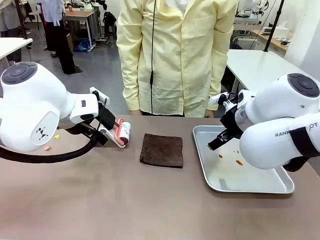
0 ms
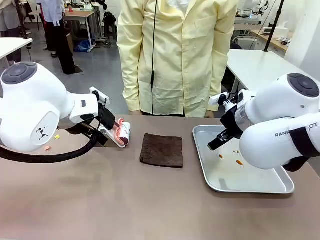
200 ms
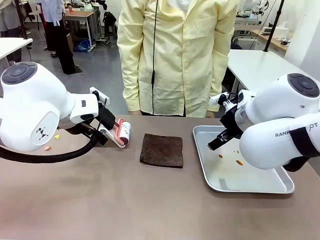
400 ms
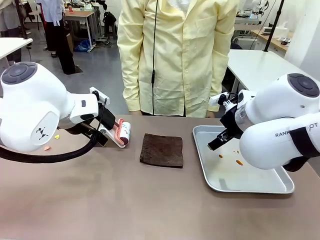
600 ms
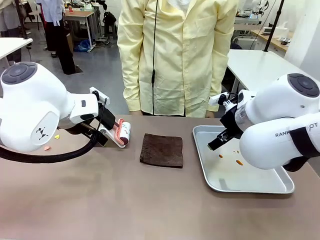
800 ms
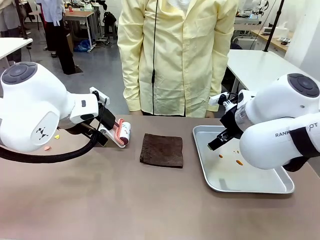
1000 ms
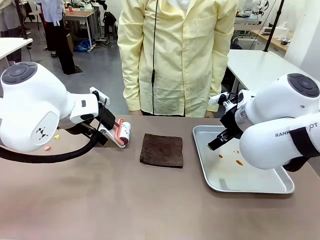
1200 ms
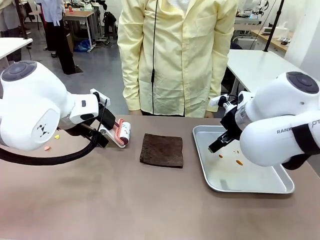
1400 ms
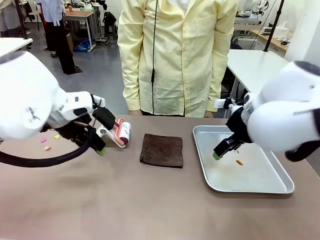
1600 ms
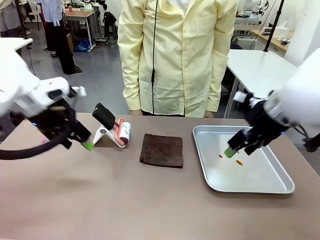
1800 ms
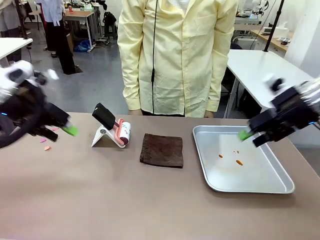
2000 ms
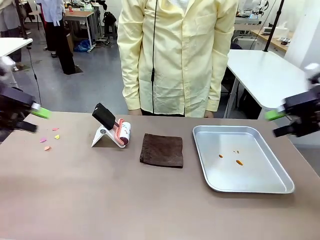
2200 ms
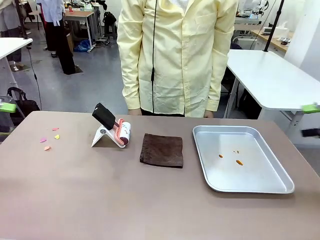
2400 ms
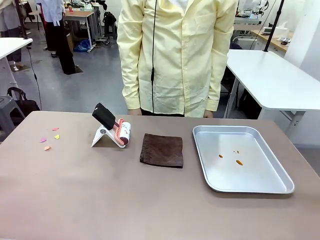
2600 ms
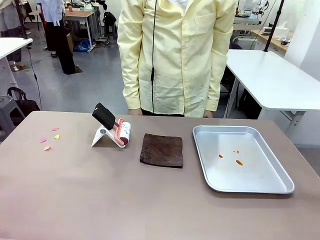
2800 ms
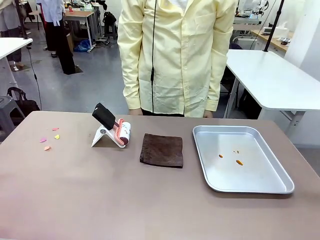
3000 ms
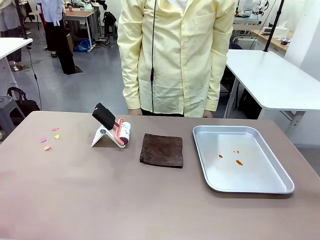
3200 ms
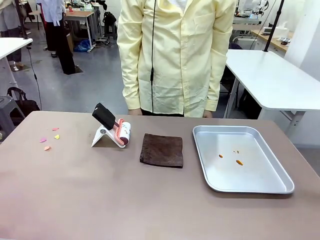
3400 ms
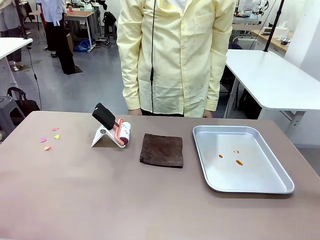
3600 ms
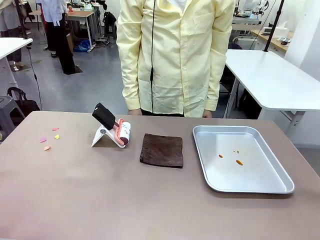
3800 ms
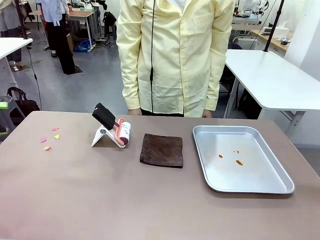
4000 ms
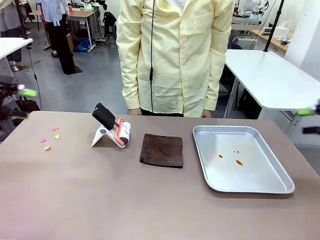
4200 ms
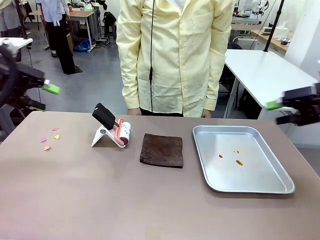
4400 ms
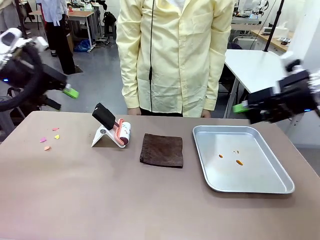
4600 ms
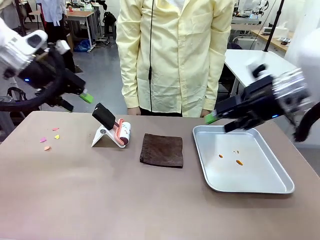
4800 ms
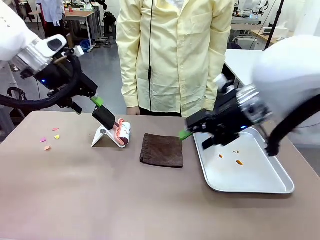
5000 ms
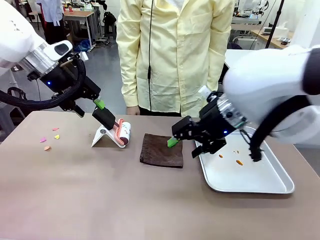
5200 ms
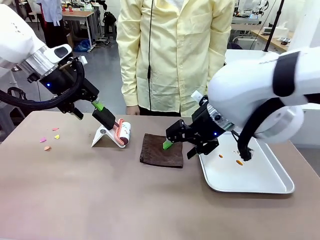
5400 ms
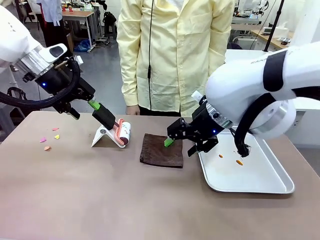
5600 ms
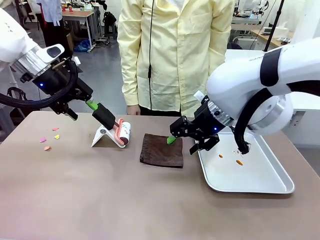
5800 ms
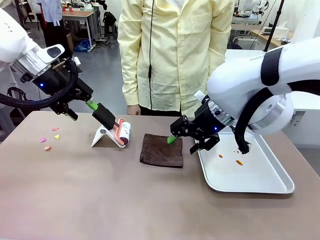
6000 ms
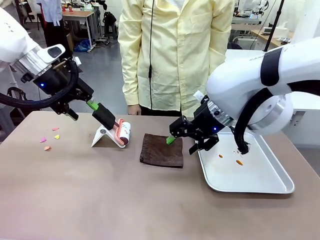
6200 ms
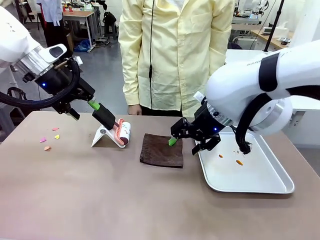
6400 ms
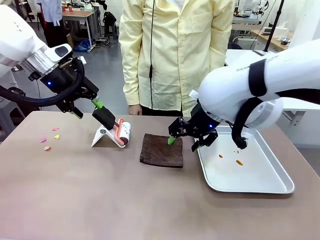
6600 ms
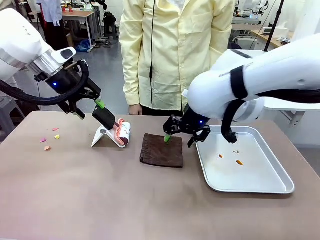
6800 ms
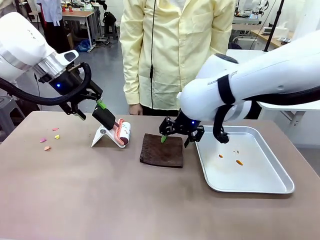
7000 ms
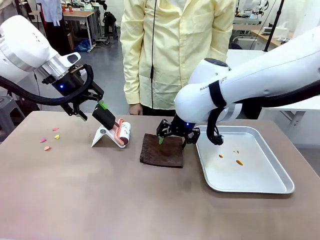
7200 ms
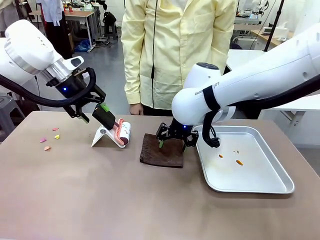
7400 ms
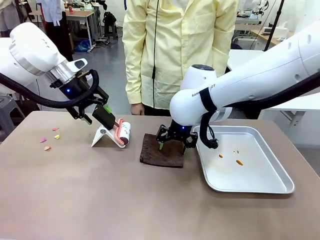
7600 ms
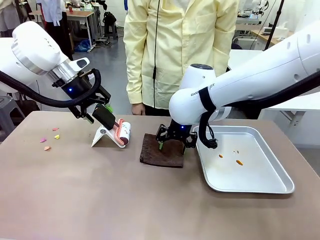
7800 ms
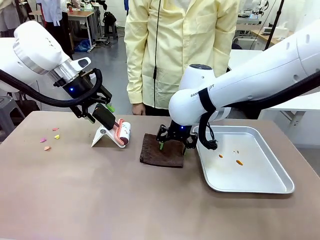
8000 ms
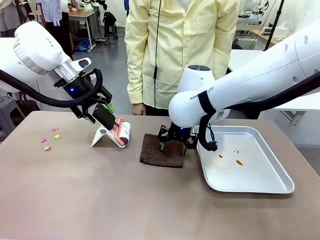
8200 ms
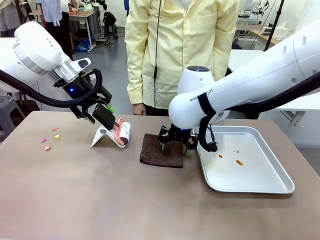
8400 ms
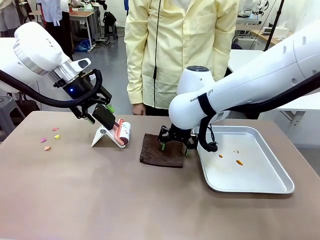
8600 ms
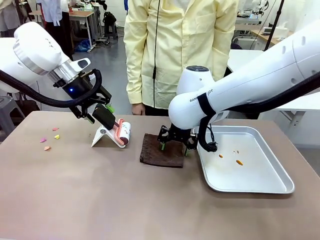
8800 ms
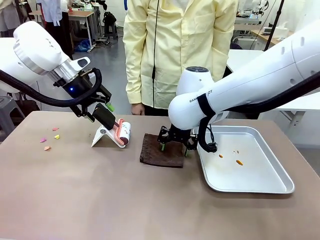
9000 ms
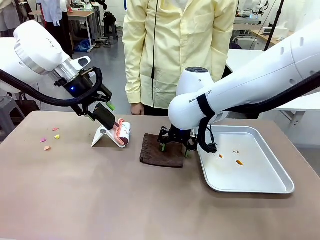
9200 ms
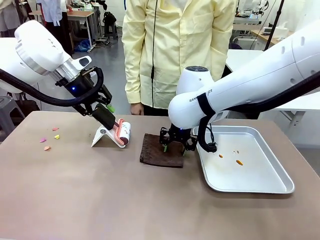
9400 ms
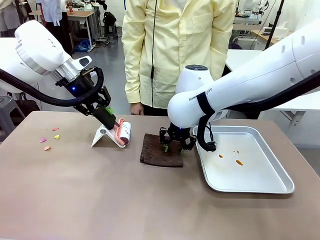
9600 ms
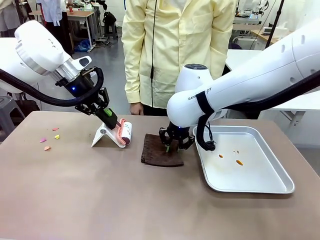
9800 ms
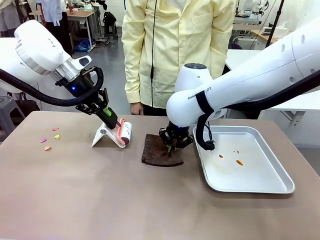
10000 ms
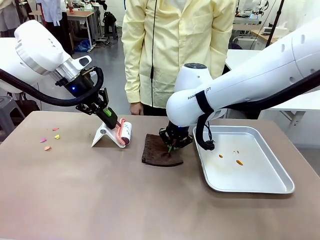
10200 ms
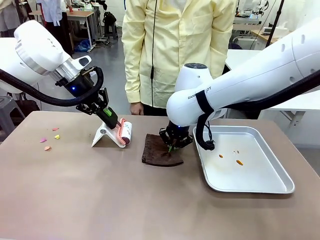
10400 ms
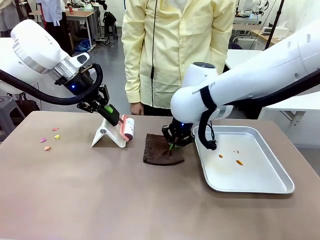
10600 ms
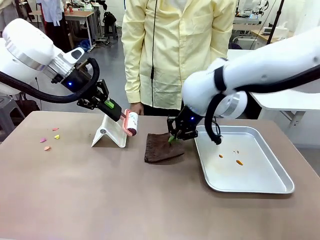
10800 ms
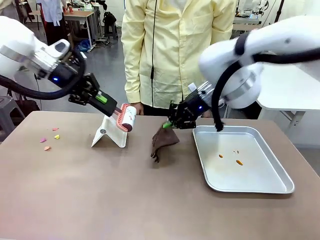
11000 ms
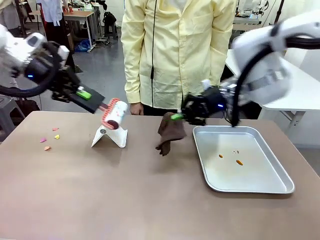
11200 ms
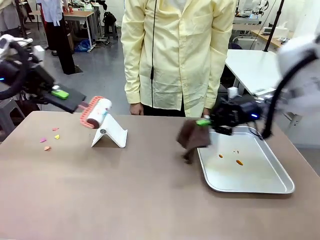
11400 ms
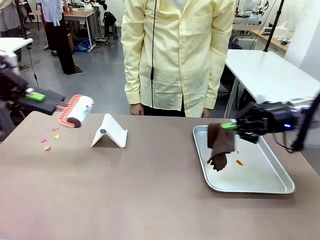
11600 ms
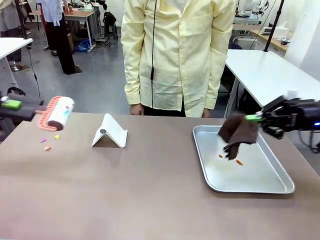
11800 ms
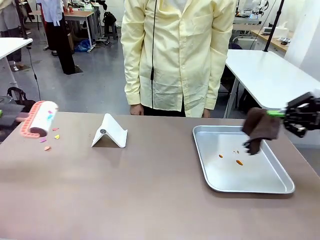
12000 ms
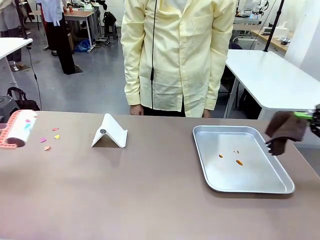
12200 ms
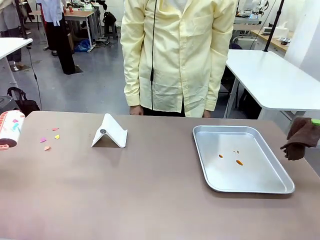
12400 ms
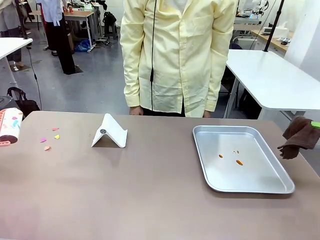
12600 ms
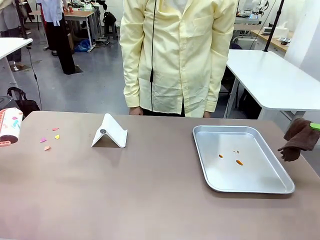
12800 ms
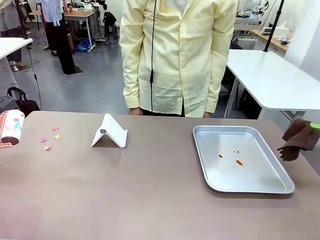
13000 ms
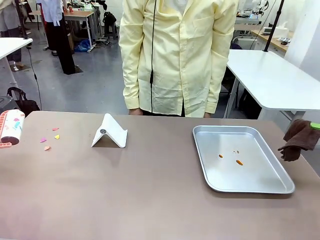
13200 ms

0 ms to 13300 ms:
Task: Clean the surface of the table.
Robot: Hold the Lint Roller with your left hand and the towel with your right hand.

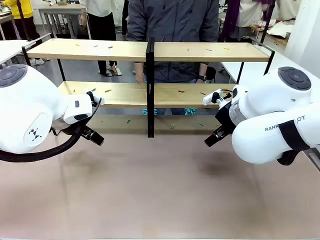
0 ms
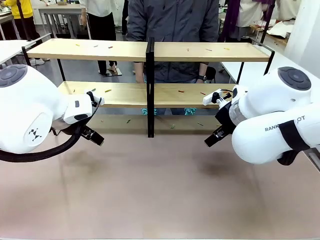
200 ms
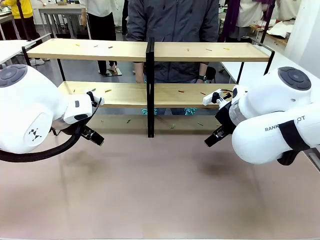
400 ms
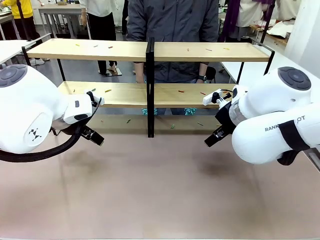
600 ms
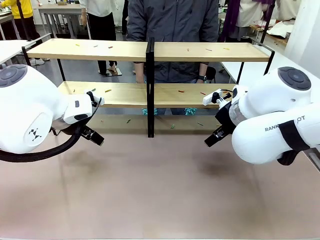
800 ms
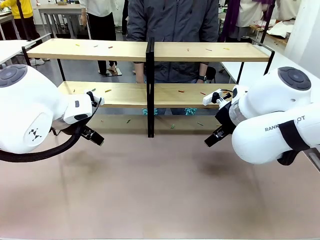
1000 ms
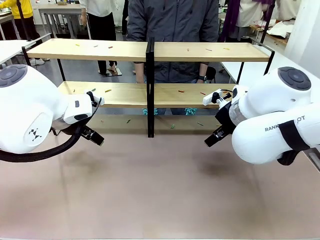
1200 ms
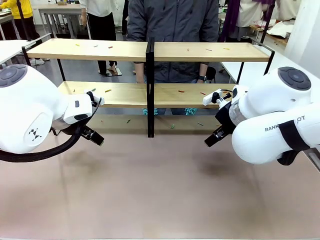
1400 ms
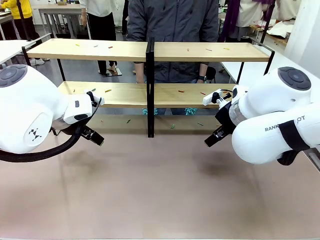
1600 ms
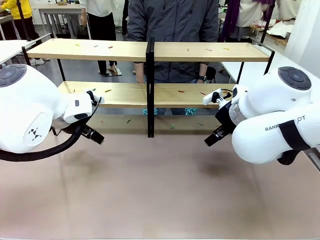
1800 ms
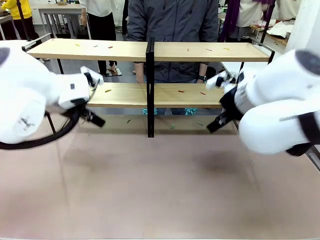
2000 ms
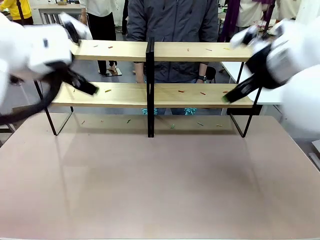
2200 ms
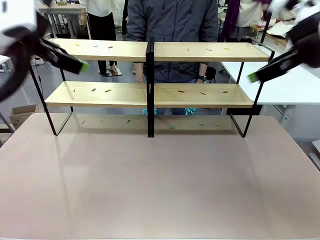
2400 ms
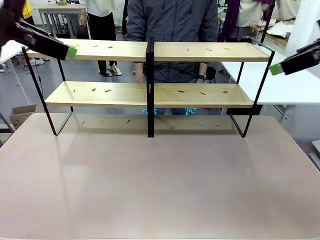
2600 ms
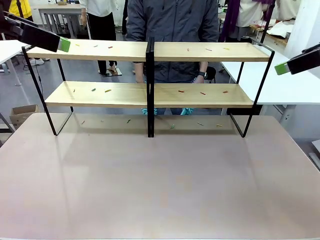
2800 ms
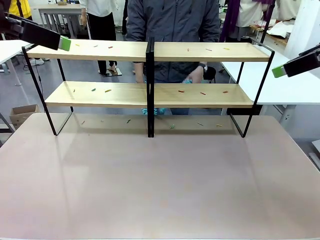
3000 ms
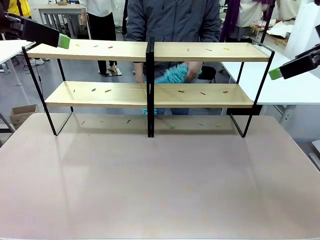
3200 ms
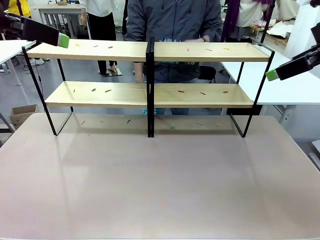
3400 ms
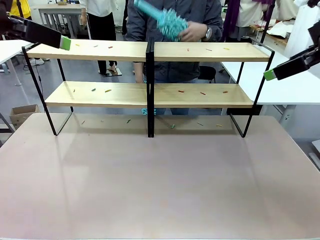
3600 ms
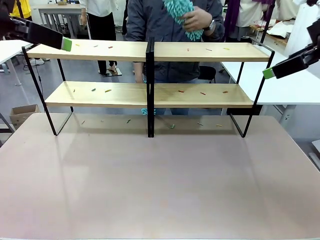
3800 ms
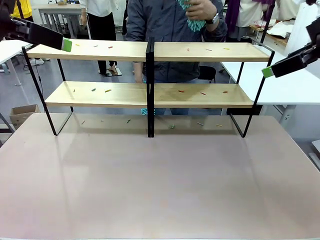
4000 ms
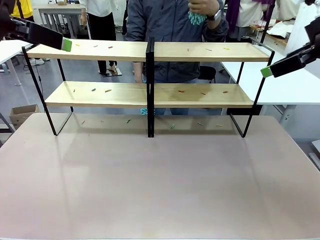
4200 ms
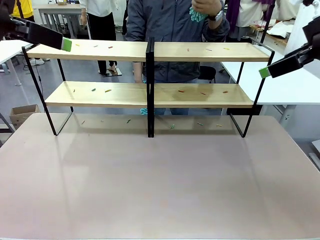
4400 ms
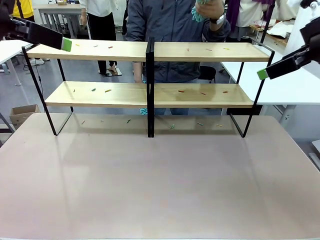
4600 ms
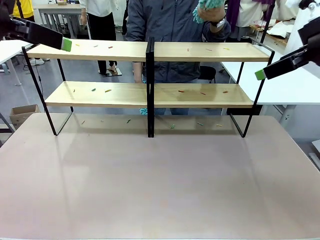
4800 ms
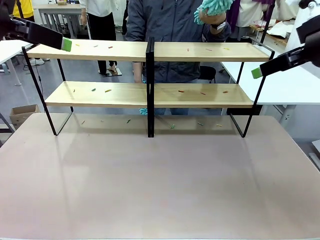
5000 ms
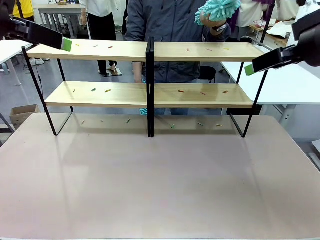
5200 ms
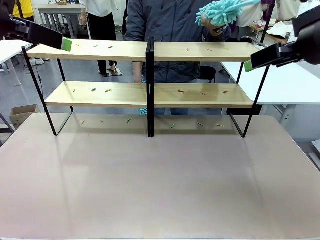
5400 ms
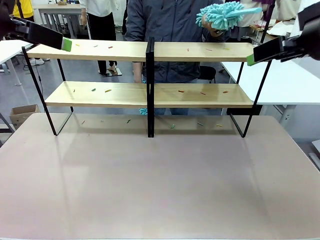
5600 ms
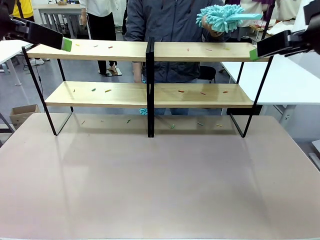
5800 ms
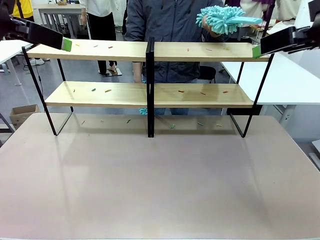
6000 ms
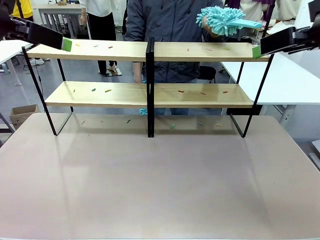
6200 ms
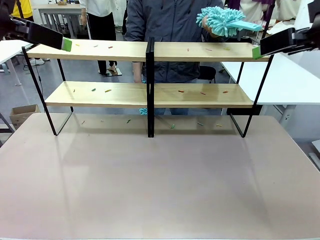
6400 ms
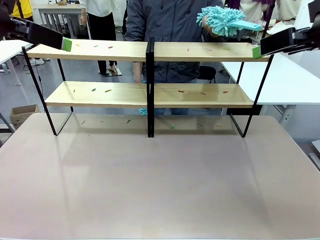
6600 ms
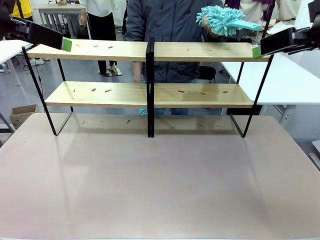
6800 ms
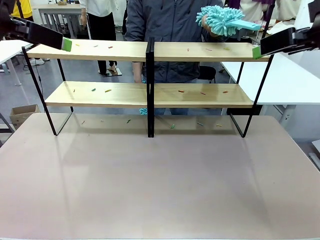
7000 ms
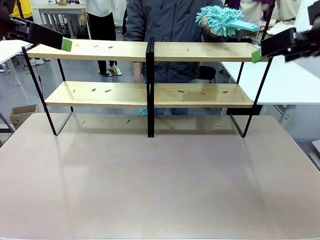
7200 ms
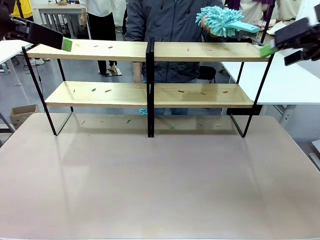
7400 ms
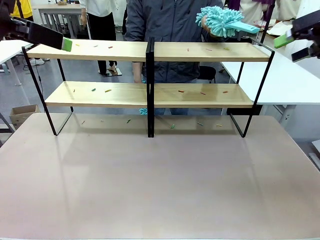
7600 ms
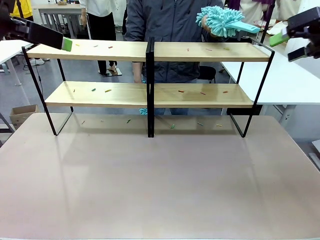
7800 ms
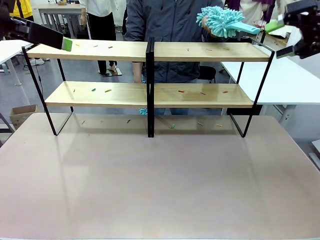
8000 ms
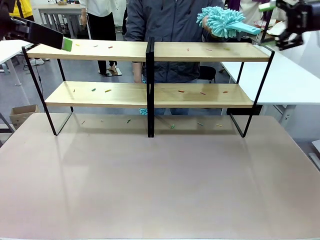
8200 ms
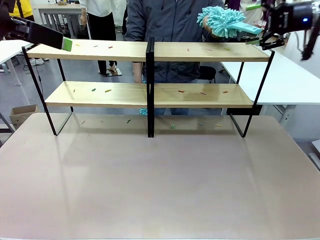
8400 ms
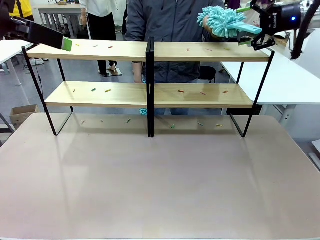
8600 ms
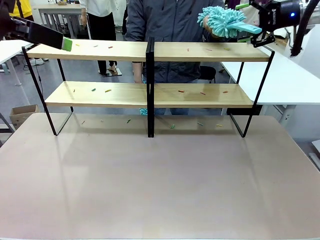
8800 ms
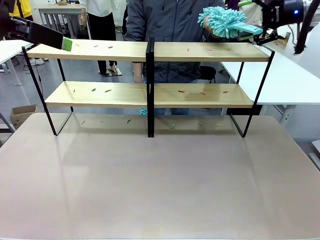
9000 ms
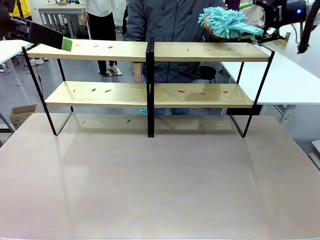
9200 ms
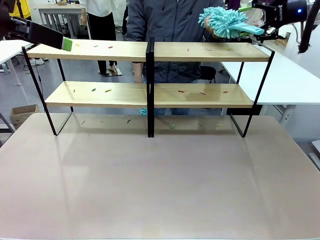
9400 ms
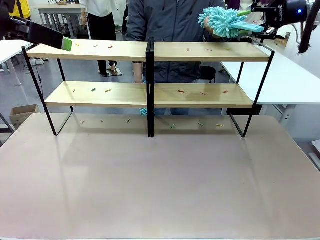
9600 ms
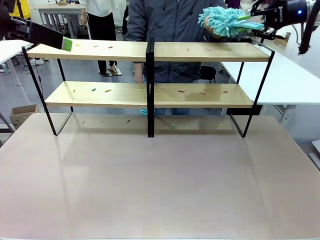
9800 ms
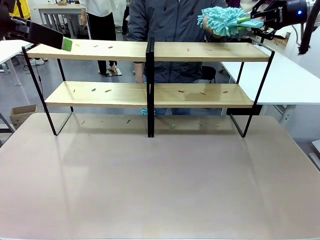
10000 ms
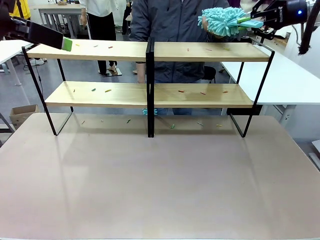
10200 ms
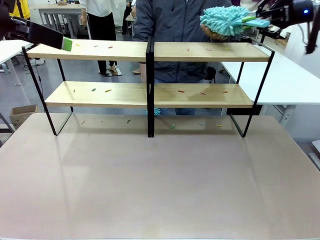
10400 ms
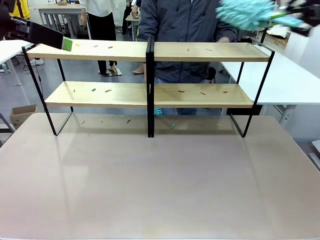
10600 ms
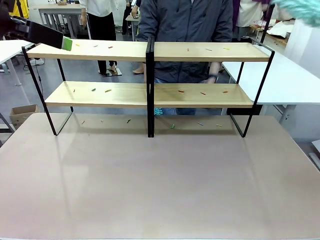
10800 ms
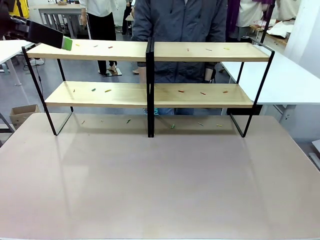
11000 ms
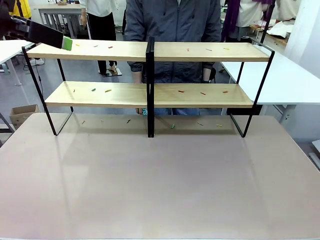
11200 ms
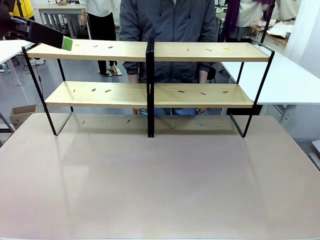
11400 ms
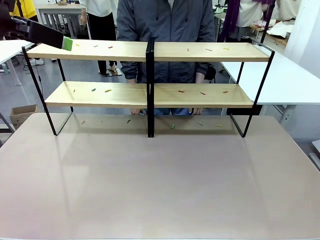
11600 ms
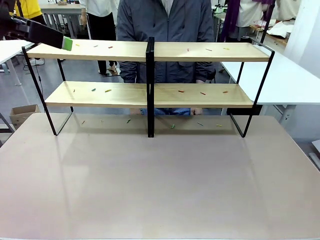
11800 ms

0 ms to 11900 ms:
Task: Clean the shelves.
Robot: Pick up the Duster when the human hands it over.
Person: Hand the Duster to the robot with your right (or left) hand.
